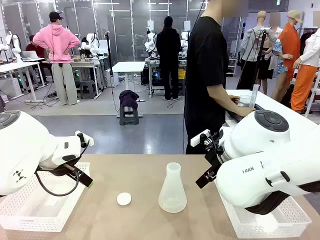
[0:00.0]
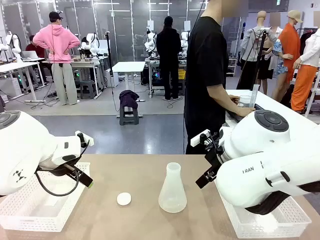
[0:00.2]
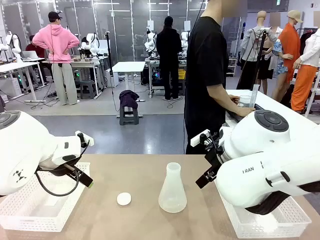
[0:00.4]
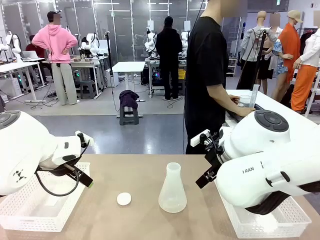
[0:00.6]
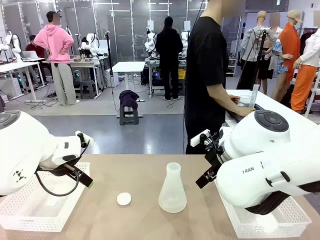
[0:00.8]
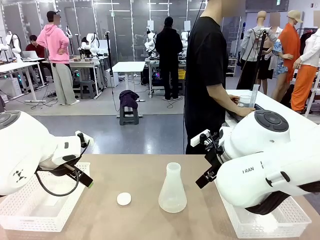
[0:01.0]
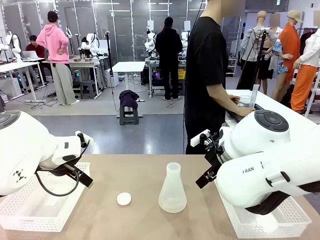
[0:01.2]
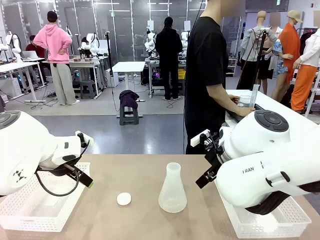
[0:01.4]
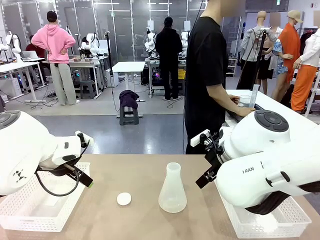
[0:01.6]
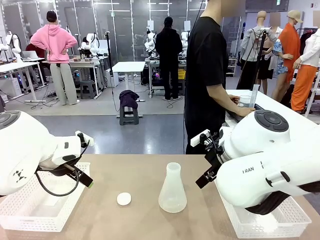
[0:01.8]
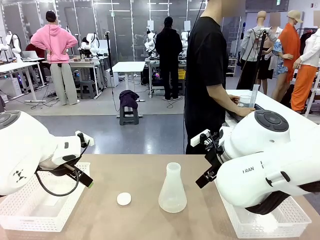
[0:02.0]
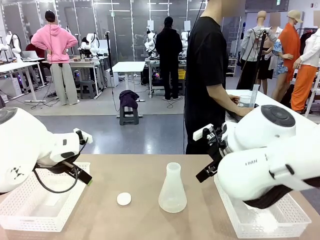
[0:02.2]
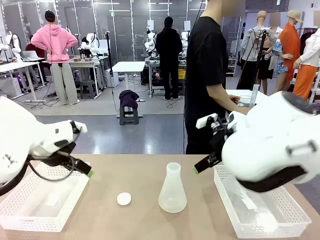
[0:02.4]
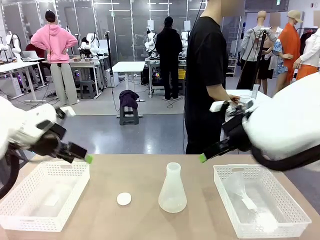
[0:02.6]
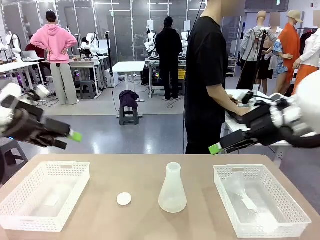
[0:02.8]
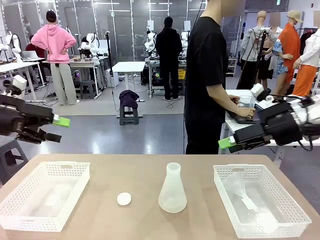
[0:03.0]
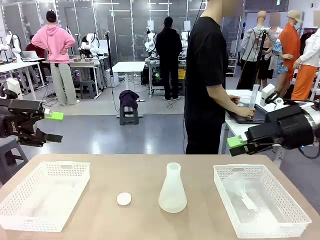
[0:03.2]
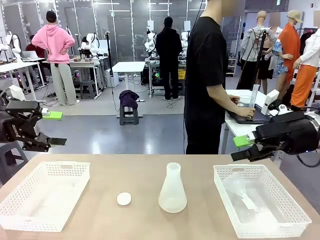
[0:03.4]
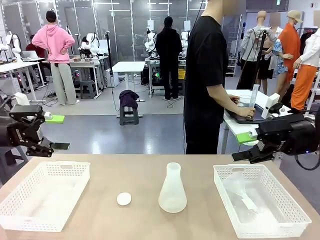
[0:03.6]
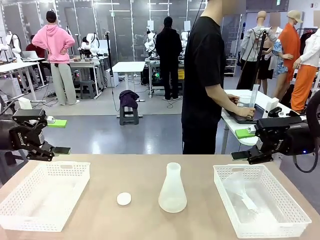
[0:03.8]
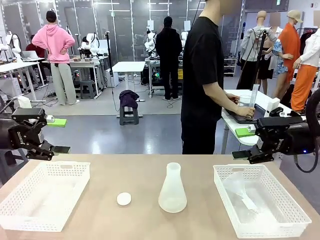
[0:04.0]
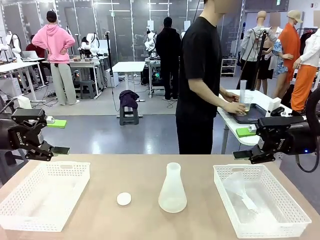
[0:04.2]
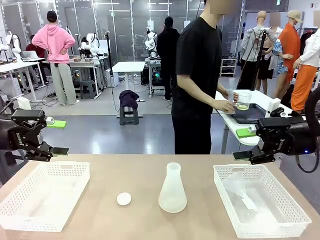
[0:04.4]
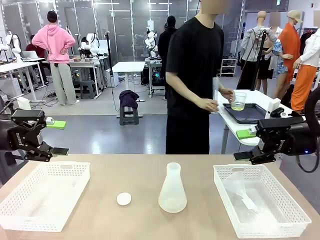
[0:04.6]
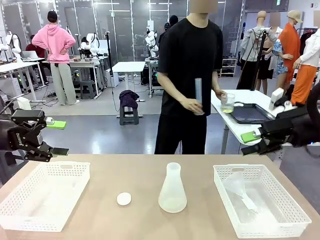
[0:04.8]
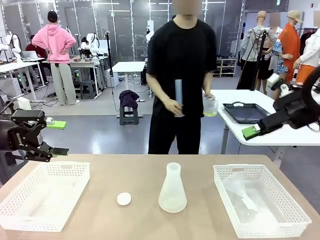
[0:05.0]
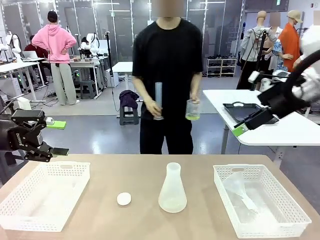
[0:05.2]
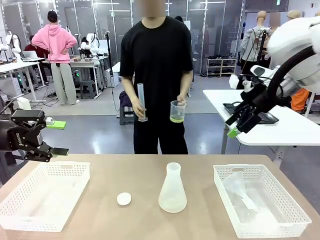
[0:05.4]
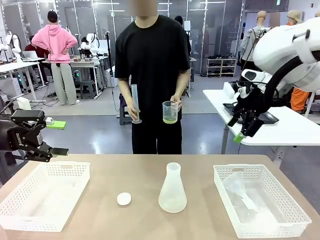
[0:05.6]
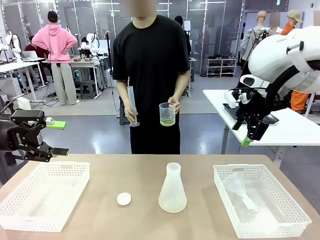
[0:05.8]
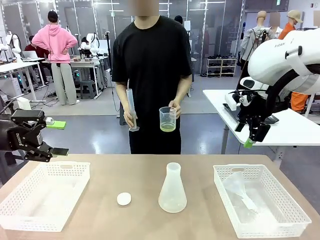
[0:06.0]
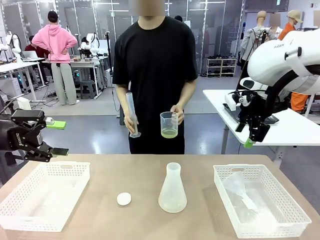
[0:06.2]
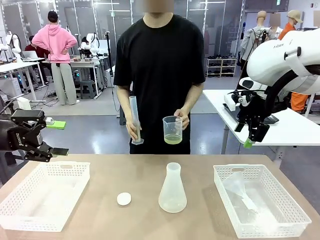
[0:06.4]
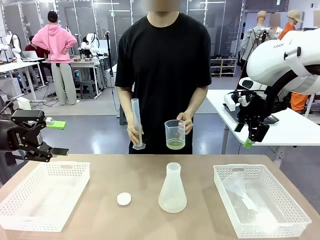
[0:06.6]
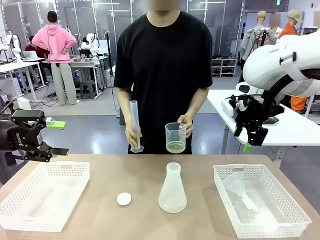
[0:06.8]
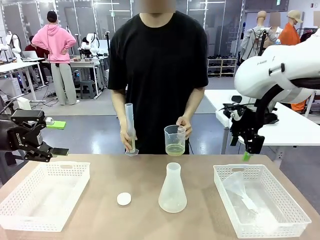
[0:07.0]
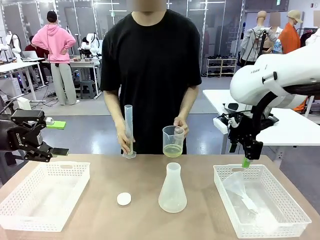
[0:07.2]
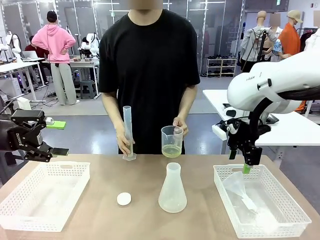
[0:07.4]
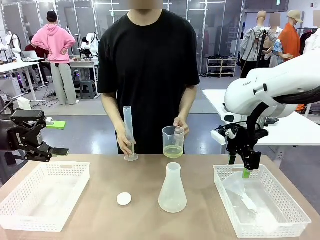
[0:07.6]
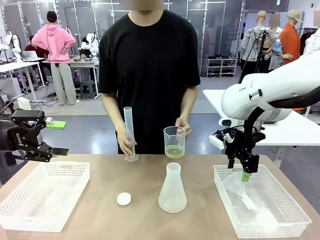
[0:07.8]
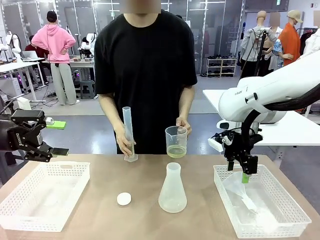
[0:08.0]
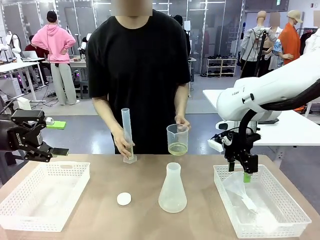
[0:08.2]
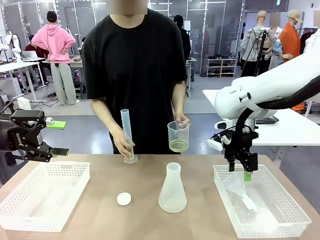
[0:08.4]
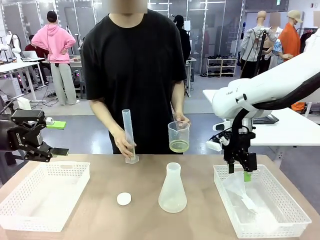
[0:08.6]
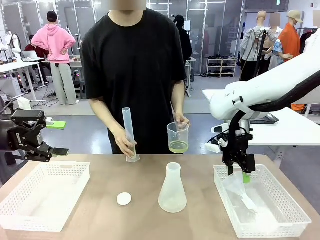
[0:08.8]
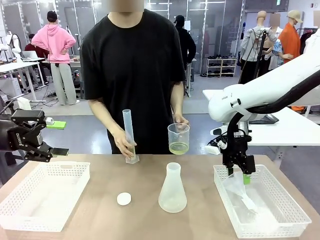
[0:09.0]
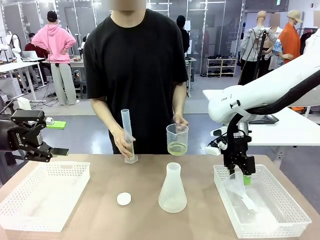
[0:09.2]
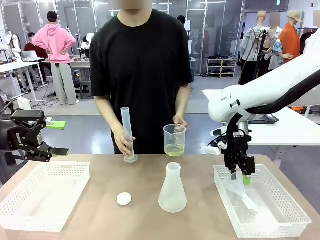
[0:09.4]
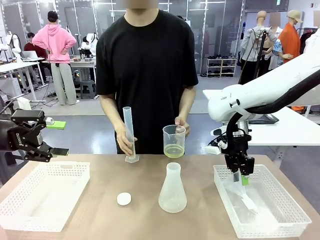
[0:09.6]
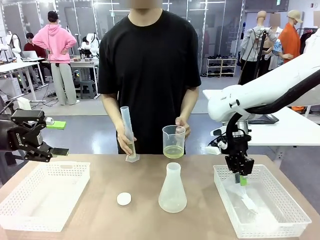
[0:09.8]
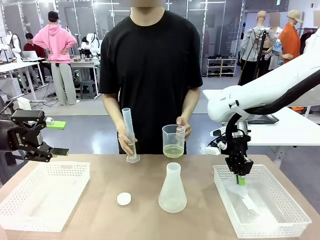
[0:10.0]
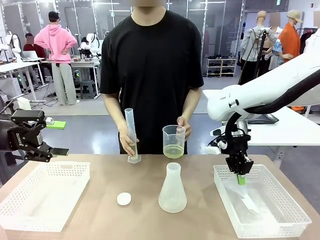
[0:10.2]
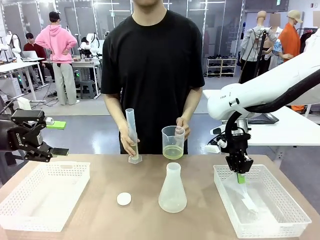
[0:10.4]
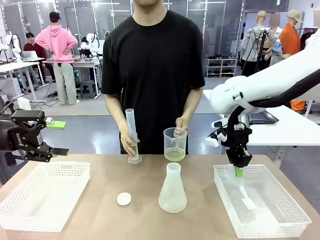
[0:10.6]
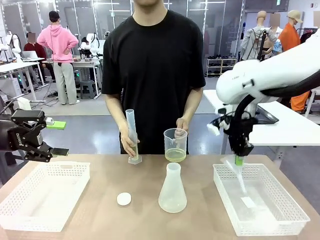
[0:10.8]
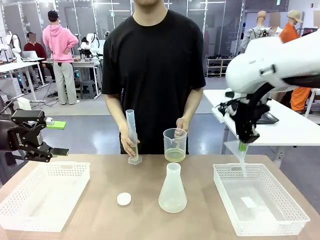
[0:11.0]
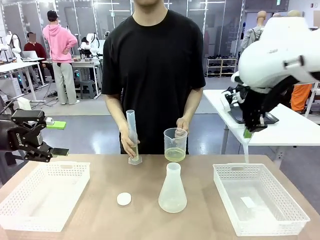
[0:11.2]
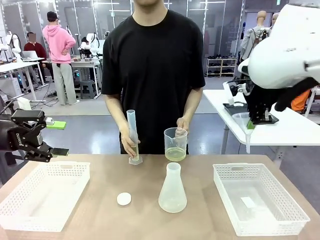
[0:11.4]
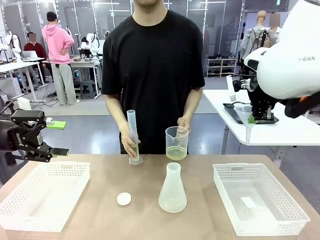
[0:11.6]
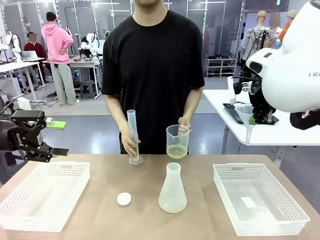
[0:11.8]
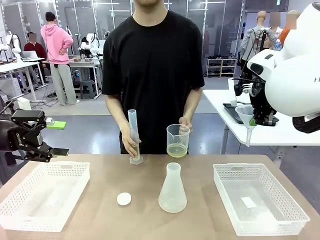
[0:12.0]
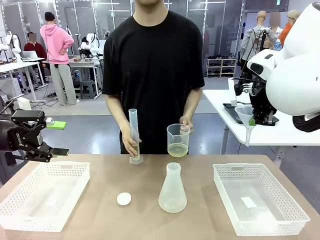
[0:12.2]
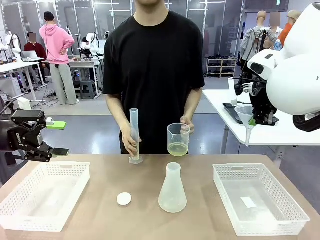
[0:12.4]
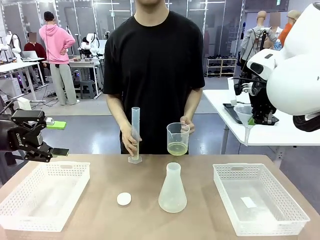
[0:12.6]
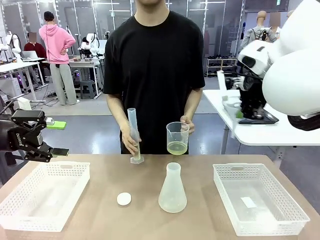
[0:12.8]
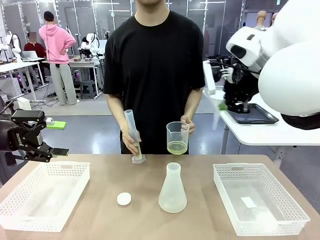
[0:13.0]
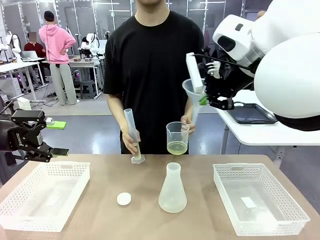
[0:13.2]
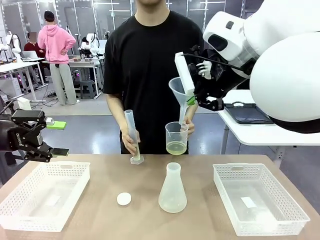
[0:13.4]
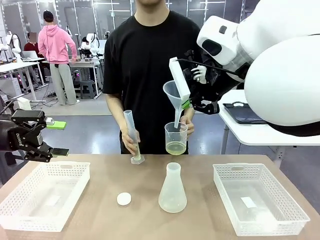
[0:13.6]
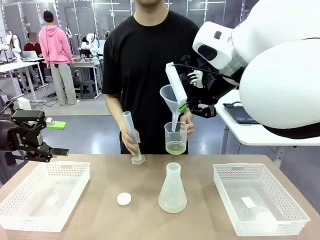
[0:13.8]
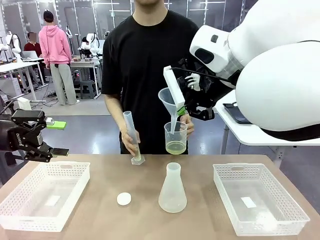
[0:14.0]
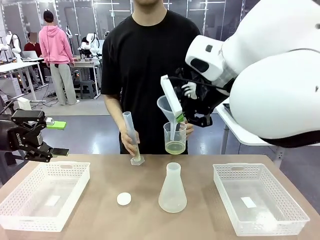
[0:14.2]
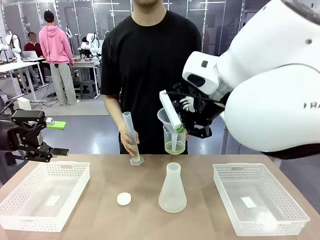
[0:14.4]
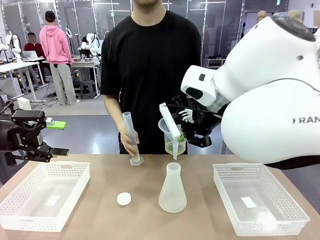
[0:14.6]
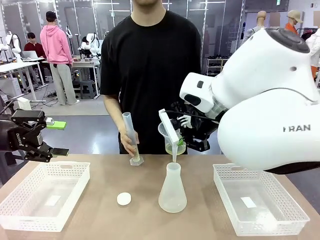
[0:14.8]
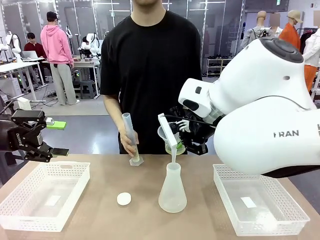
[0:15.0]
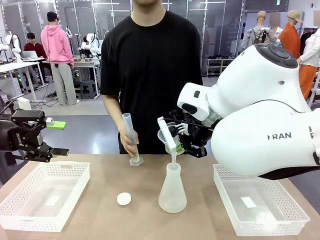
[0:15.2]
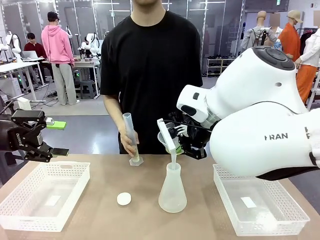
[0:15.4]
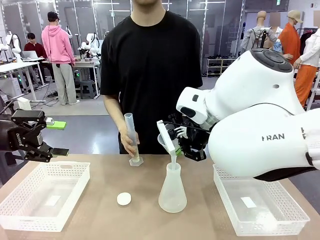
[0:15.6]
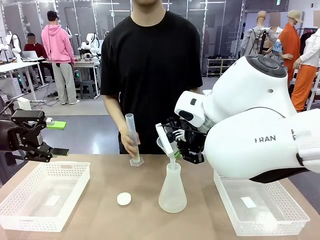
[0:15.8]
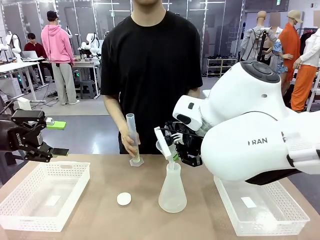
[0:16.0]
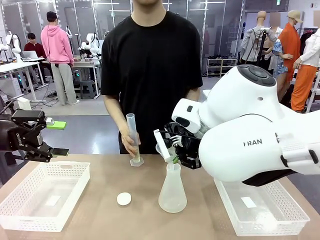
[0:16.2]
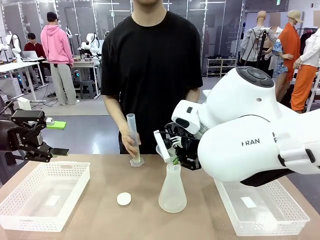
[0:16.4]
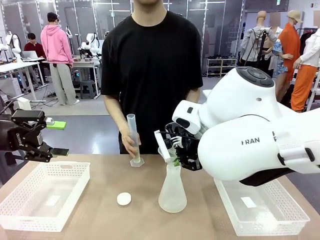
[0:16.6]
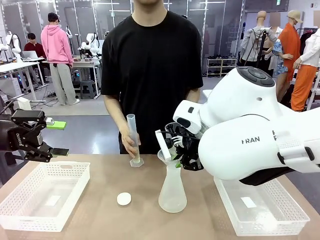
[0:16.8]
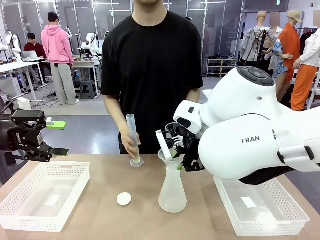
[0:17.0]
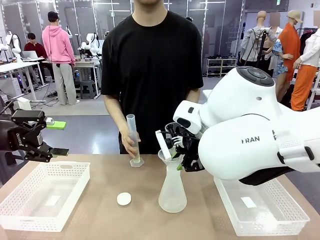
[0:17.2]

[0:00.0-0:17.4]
Task: Prepare the solutions needed for the experiment.
Robot: Pick up the Plastic Funnel and insert it into the Big flask.
Person: Pick up the beaker and the cylinder and move to the middle of the robot table. Pour the solution from the beaker and the cylinder into the flask.
